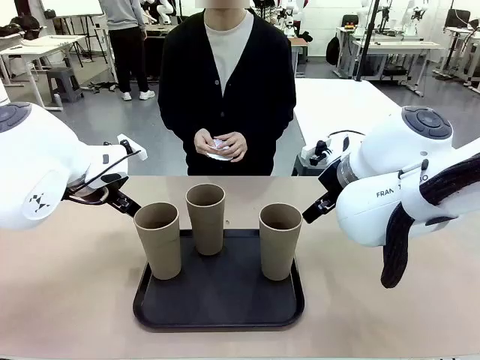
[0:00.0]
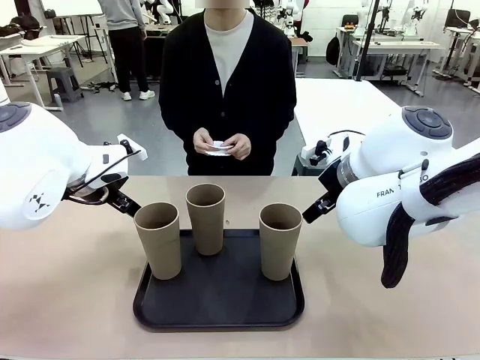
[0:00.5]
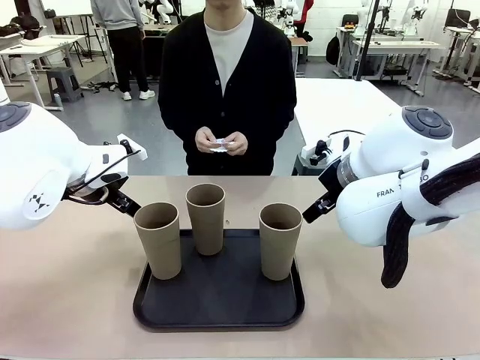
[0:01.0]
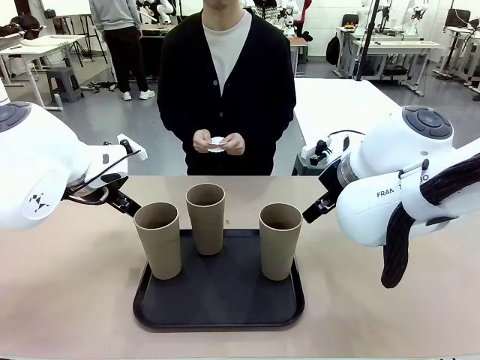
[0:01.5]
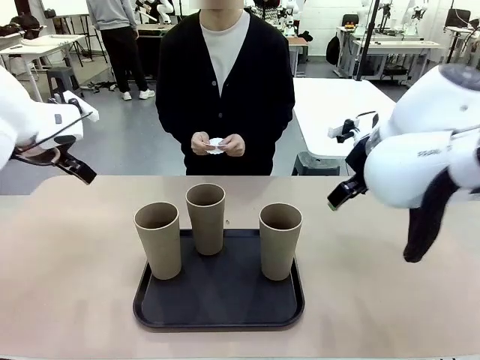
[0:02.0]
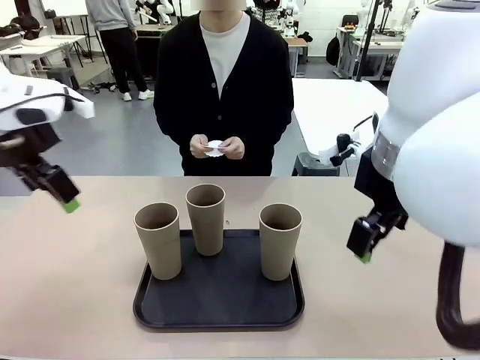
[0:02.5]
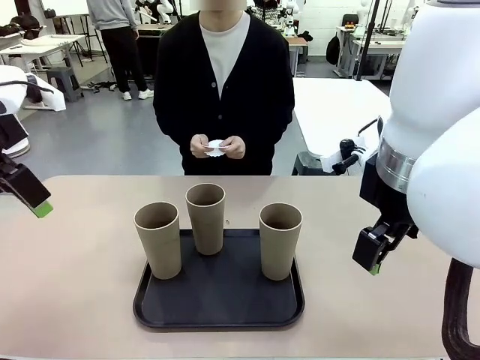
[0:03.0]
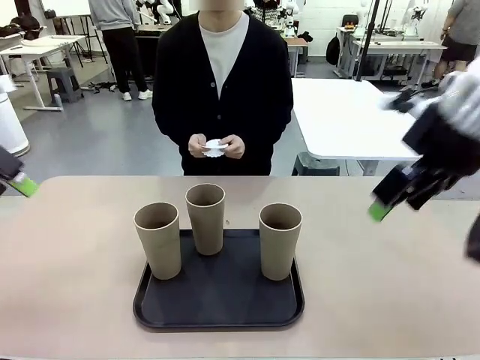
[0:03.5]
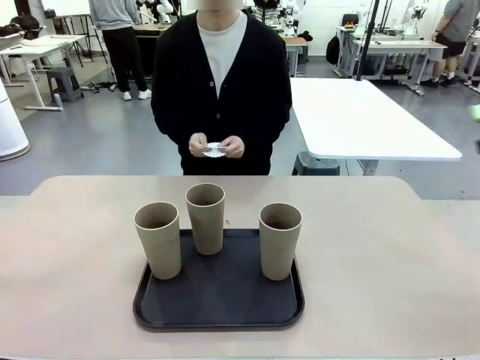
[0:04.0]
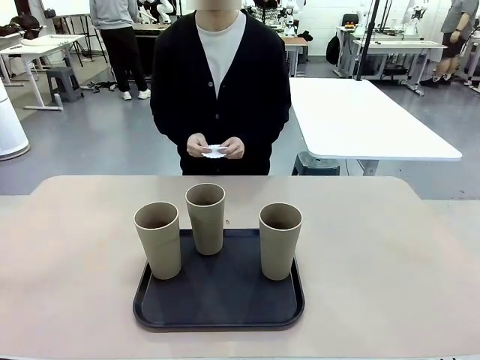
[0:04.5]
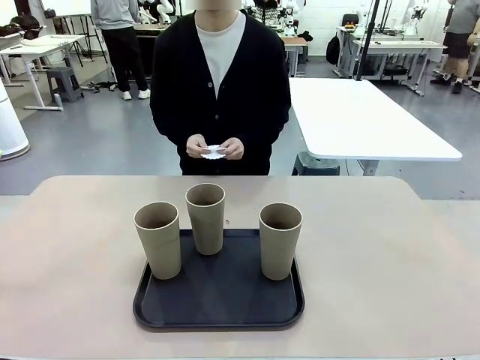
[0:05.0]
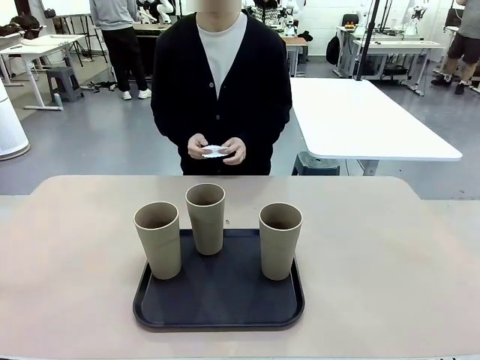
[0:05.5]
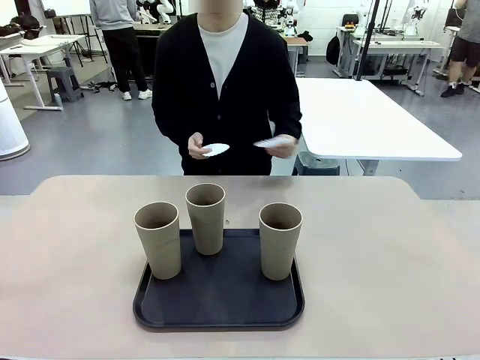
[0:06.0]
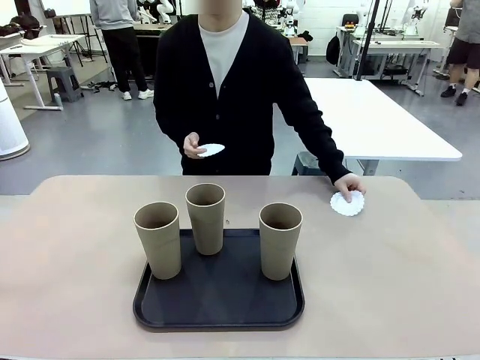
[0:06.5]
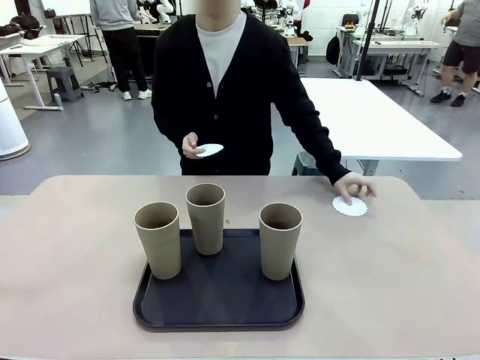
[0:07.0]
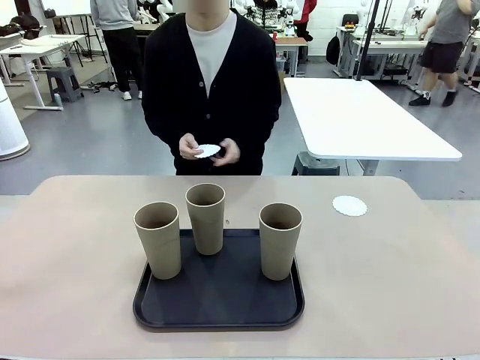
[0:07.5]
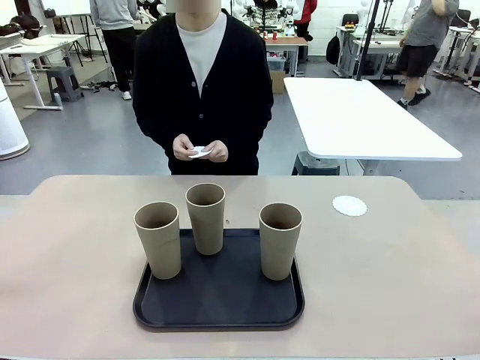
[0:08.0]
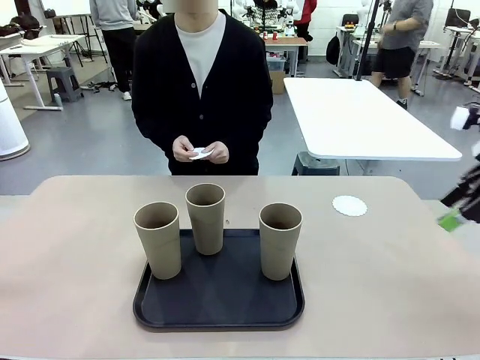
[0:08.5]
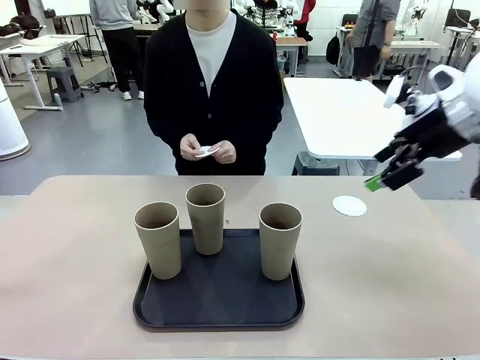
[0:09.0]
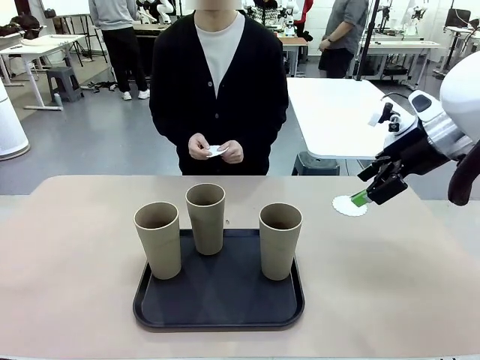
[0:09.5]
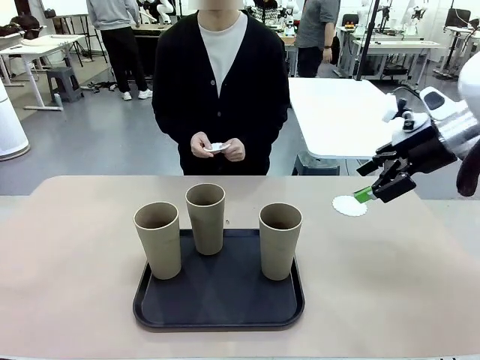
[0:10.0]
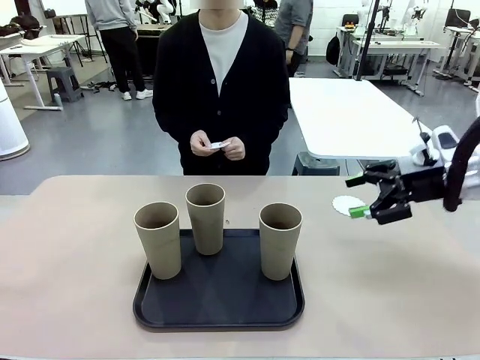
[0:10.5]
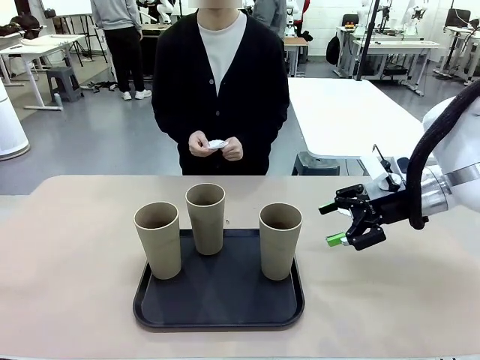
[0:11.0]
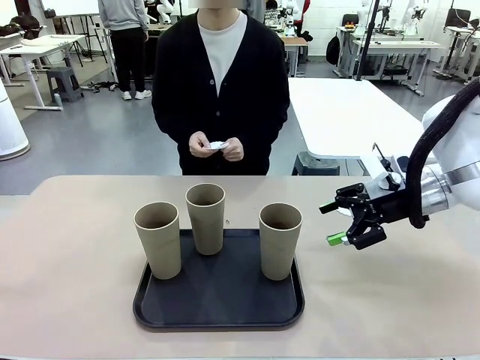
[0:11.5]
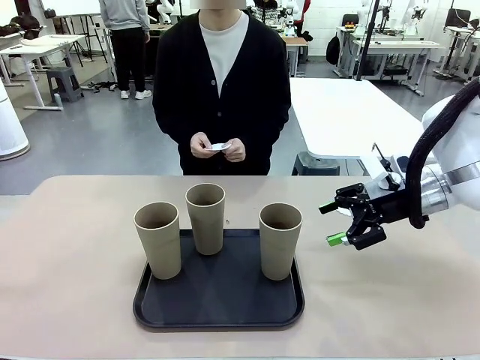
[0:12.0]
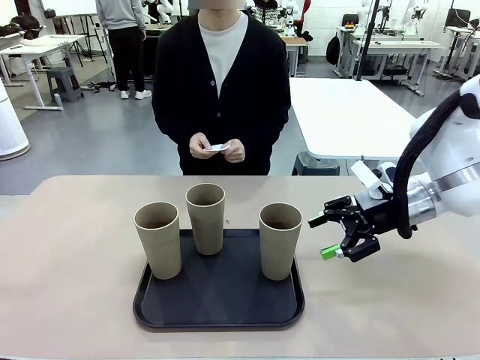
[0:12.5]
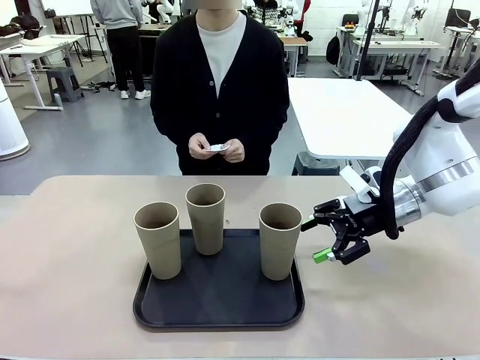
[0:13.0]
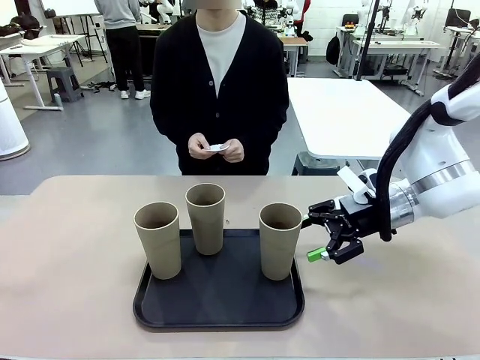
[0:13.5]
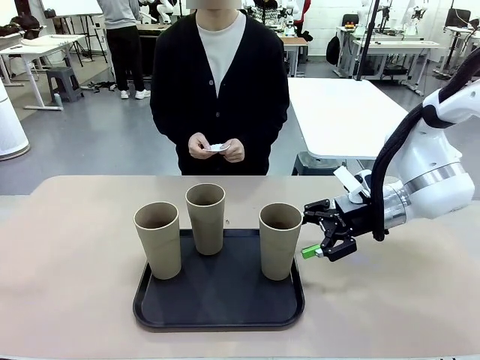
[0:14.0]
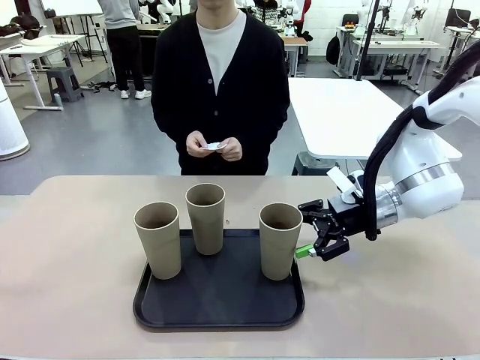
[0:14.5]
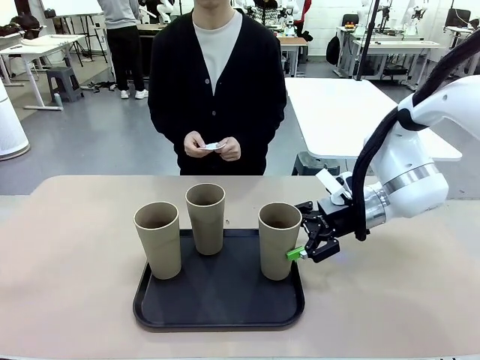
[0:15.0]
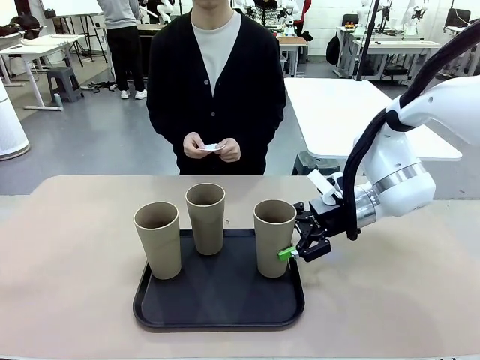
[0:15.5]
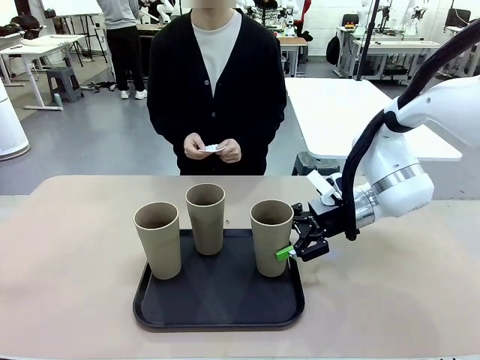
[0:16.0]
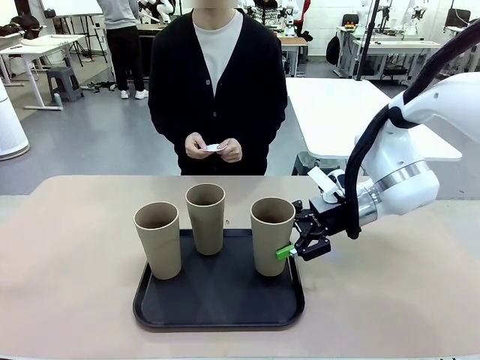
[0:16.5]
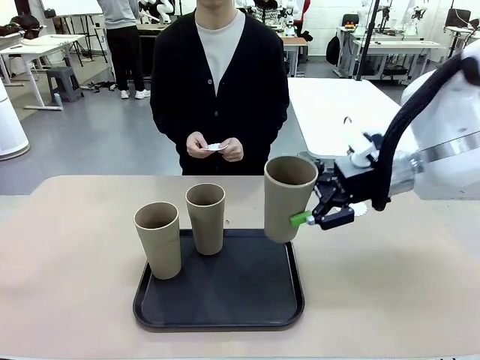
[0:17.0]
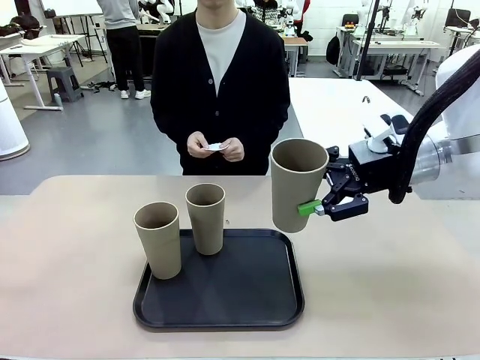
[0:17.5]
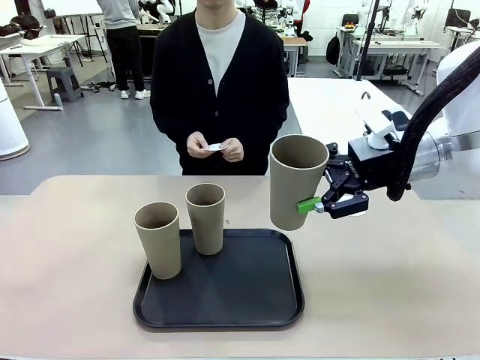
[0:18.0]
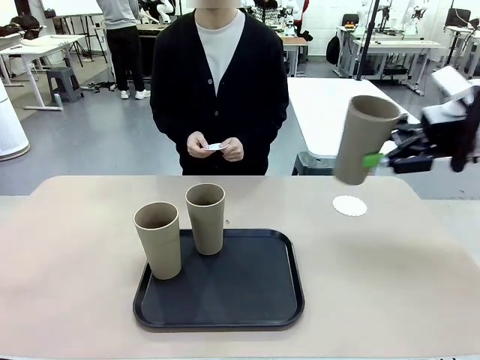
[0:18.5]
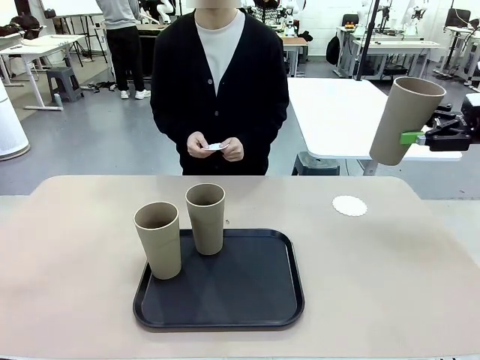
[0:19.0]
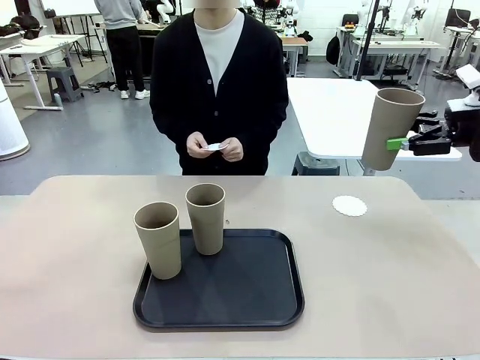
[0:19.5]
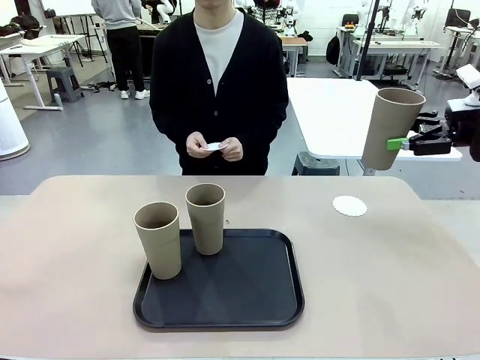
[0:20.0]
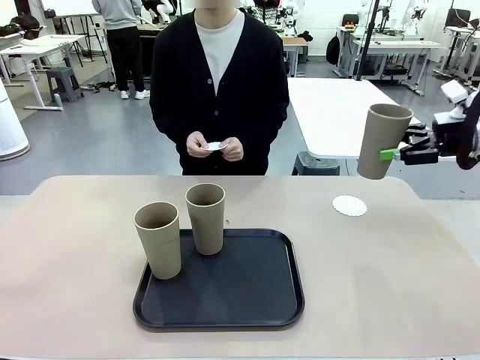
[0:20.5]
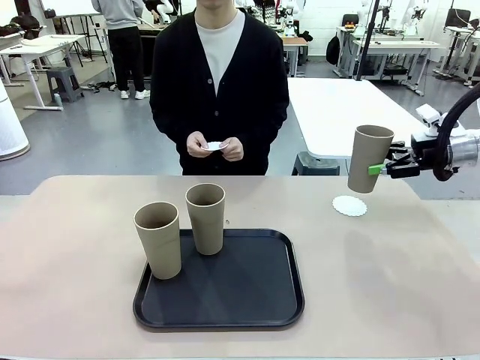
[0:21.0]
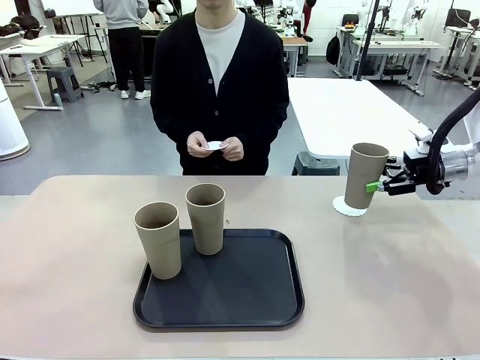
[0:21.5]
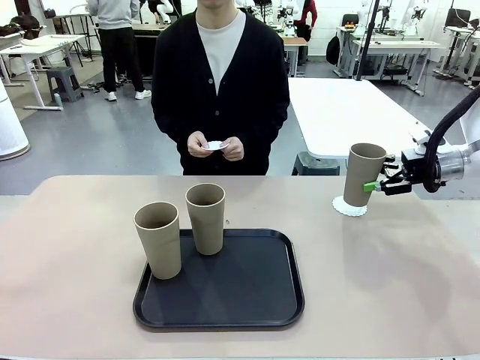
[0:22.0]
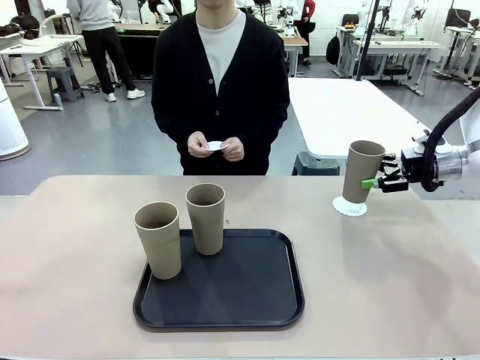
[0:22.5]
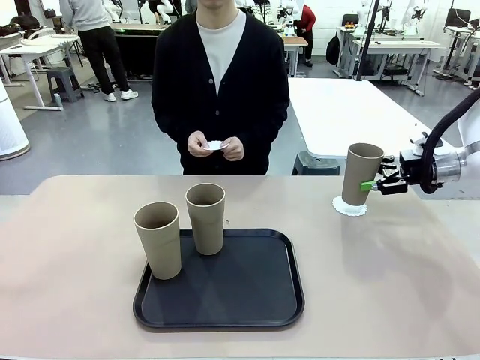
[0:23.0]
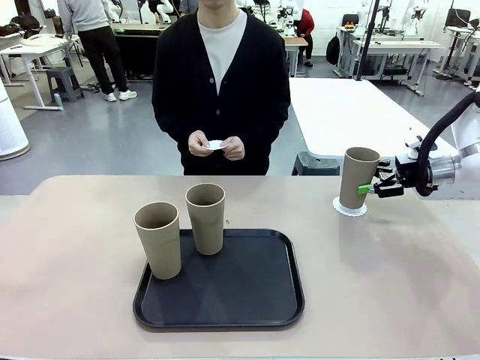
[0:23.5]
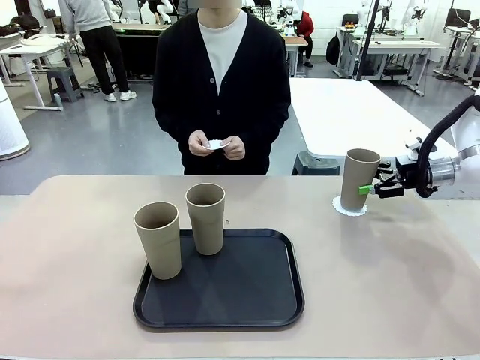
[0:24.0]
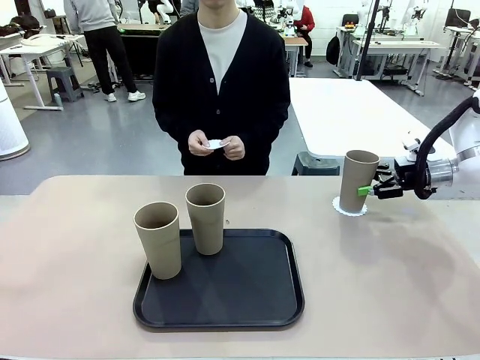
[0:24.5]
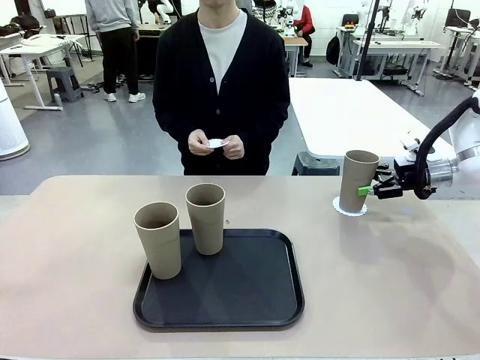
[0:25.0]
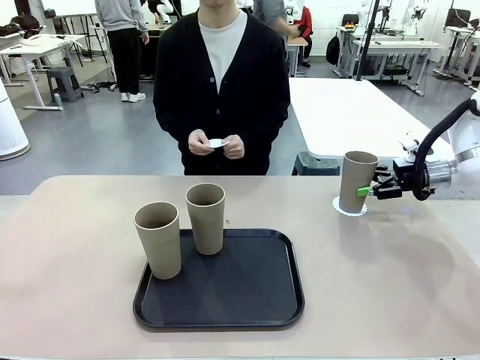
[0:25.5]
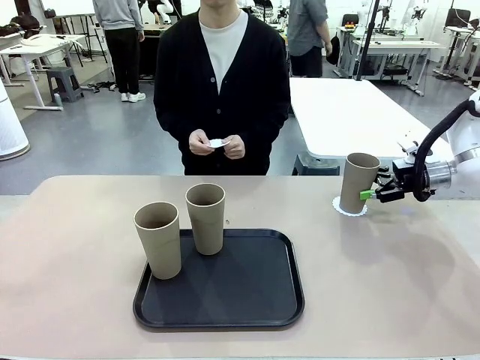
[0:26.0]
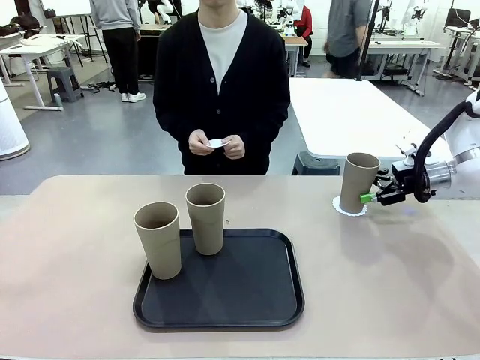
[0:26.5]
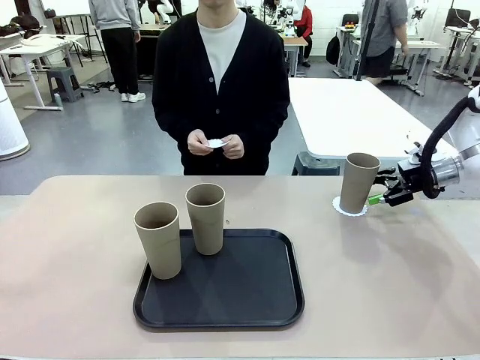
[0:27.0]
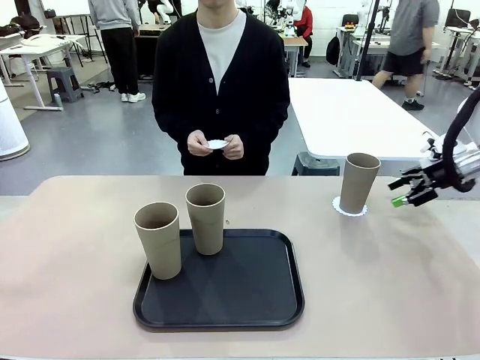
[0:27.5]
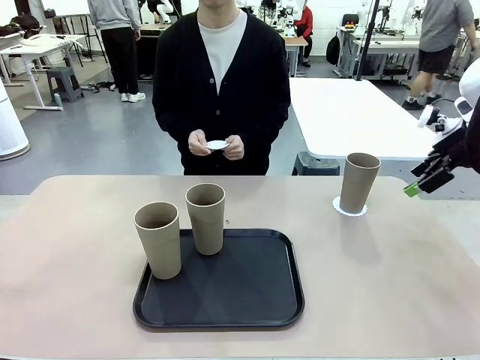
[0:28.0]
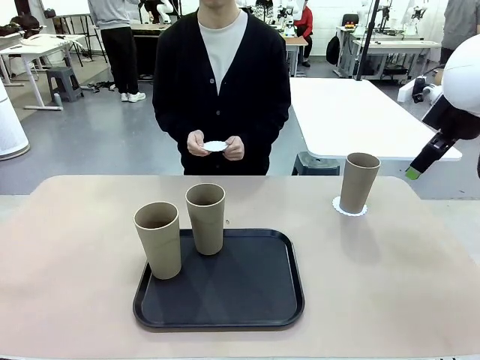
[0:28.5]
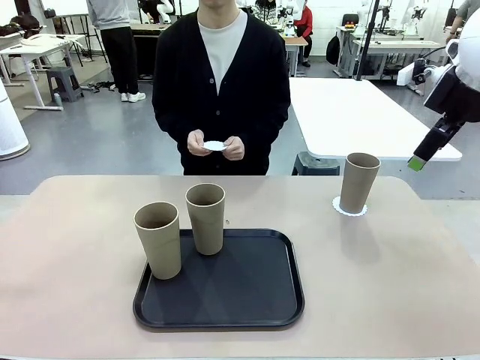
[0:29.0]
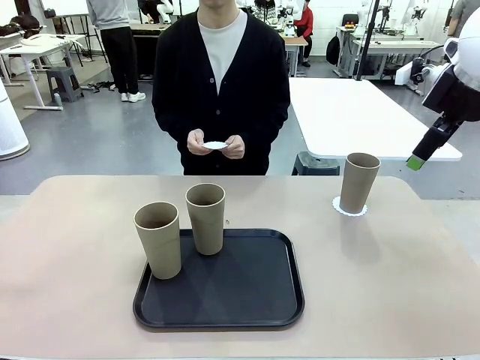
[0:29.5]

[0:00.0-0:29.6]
Task: Place coasters on the table and set cups on them.
Robot: Pick up one Reusable plastic cup and place it on a coaster set by the human.
Person: Place one coaster in any one of the three lower areas of the robot table (left, center, or right). Place one coaster in one of the two areas excluding the previously selected area.
